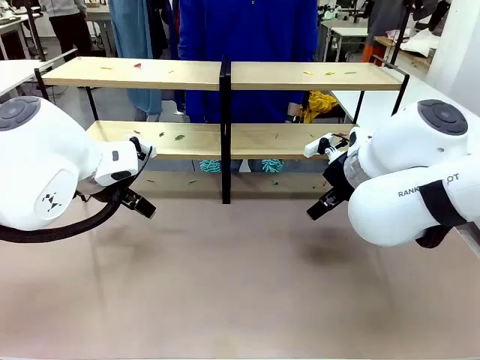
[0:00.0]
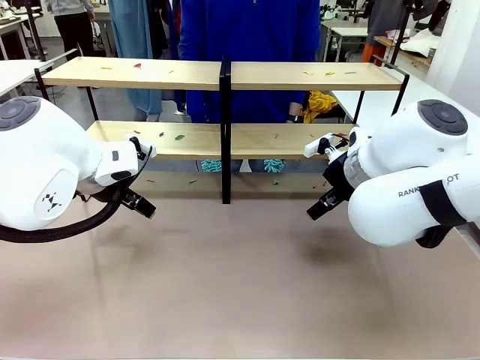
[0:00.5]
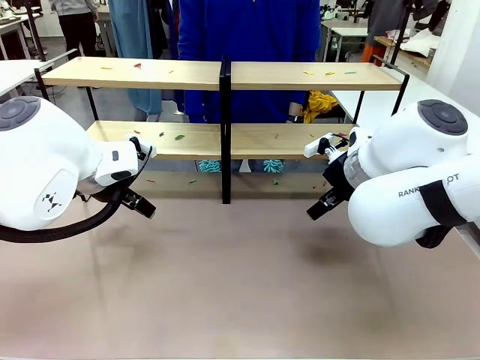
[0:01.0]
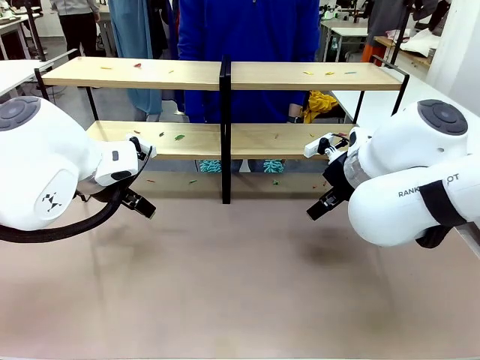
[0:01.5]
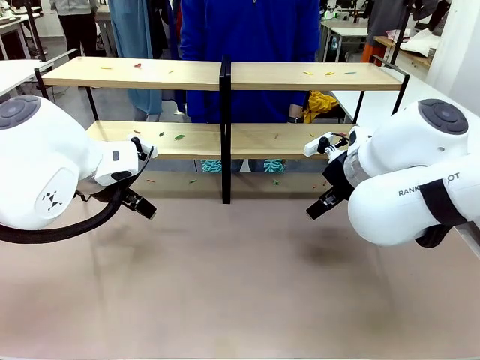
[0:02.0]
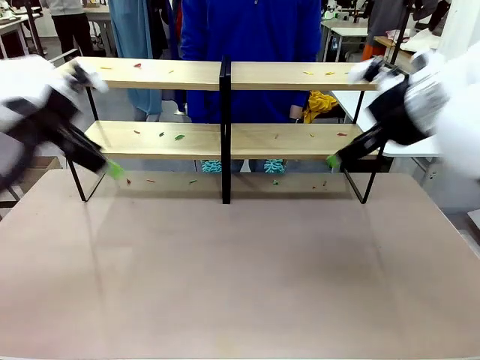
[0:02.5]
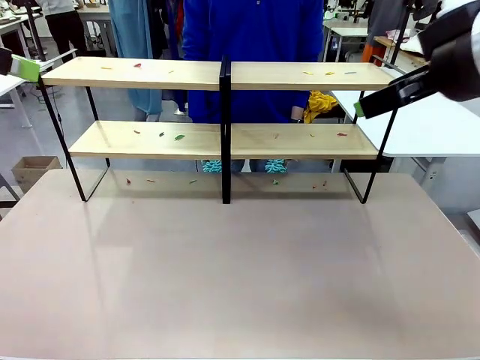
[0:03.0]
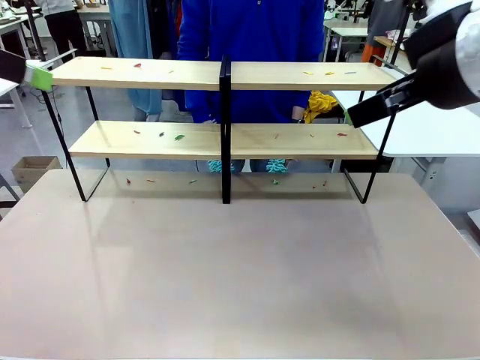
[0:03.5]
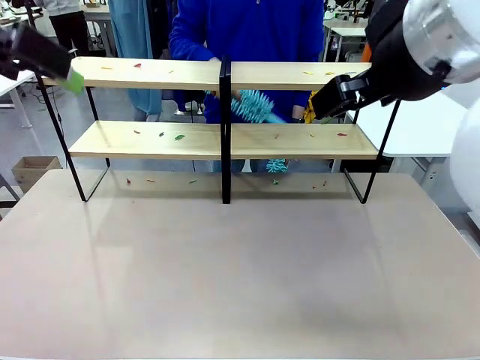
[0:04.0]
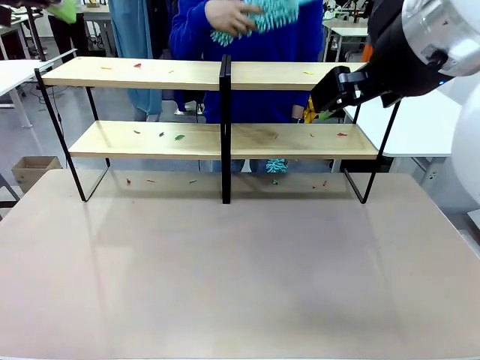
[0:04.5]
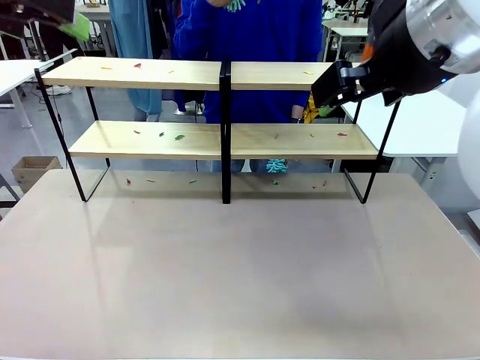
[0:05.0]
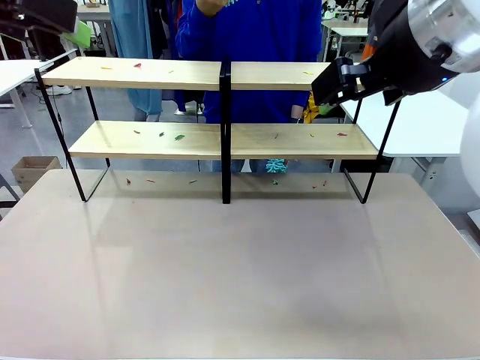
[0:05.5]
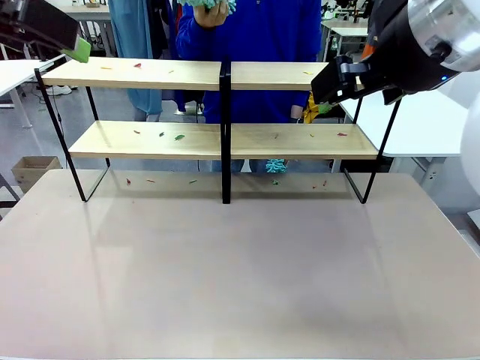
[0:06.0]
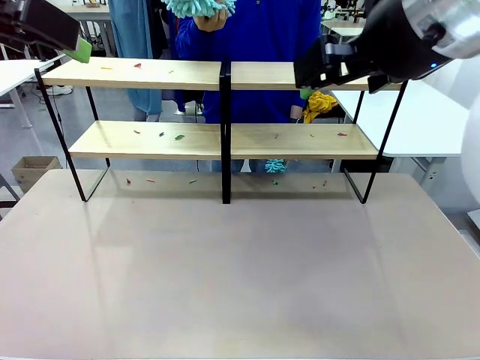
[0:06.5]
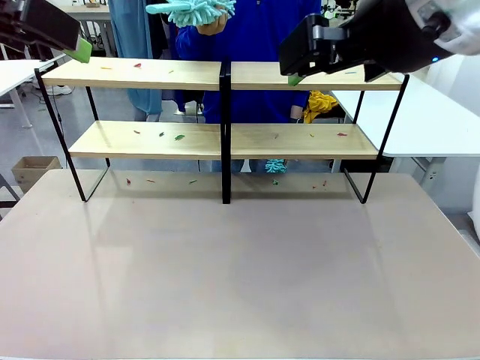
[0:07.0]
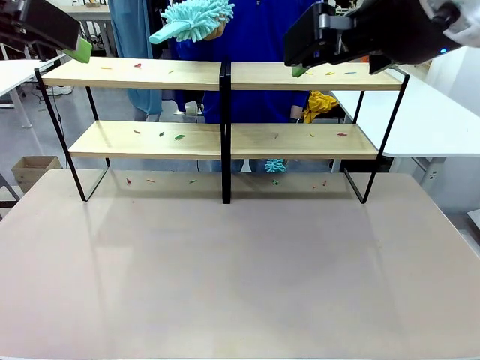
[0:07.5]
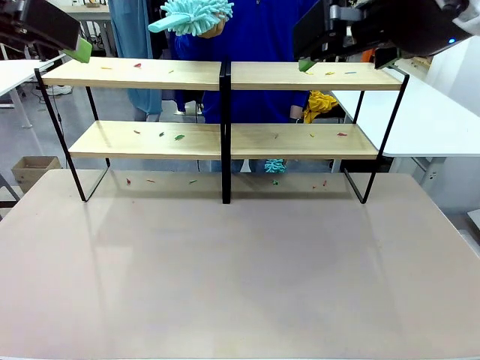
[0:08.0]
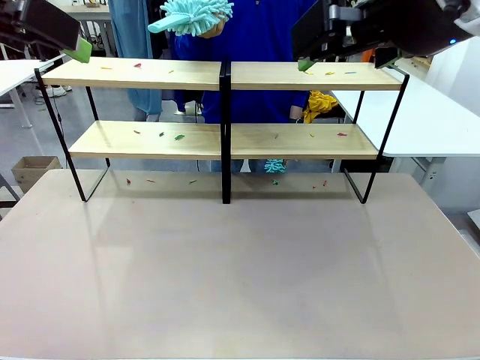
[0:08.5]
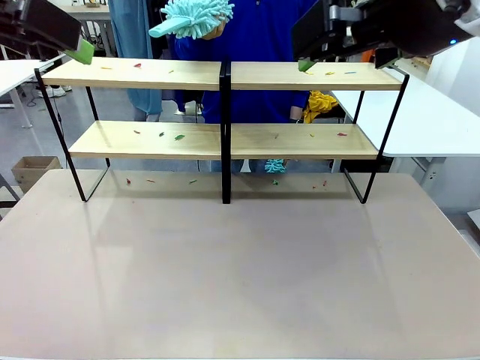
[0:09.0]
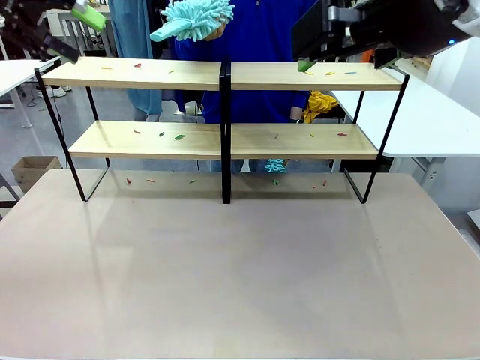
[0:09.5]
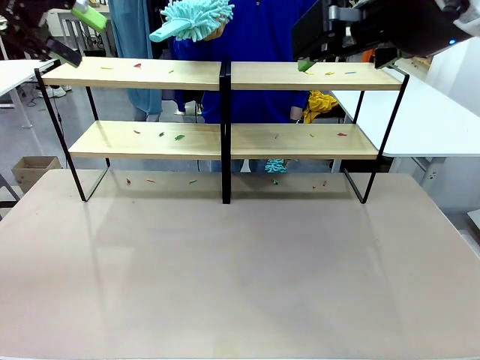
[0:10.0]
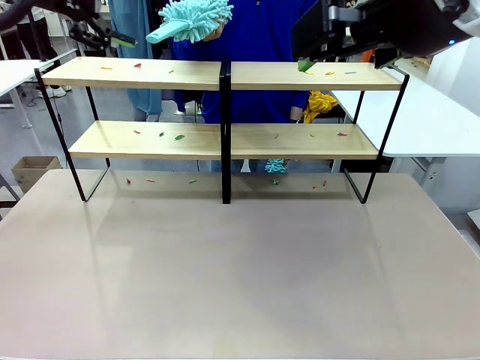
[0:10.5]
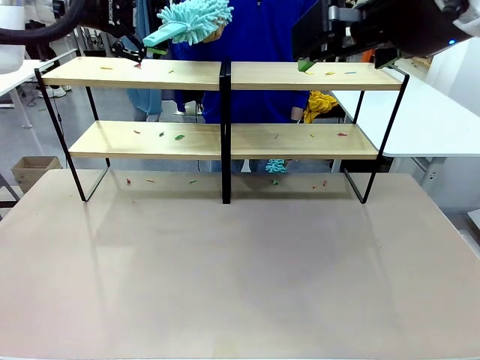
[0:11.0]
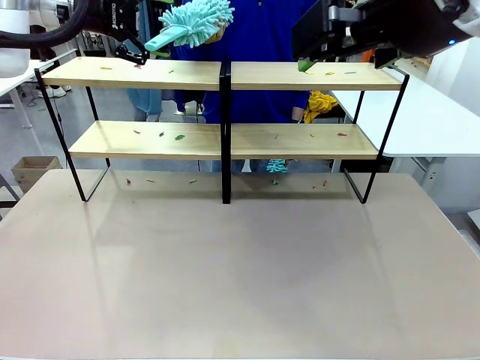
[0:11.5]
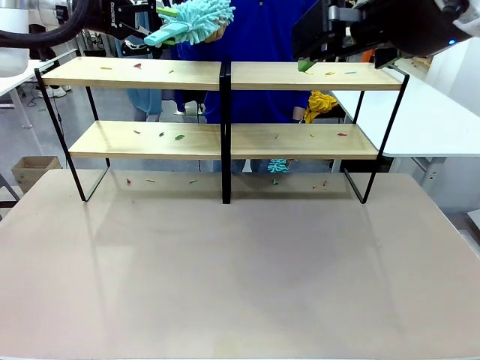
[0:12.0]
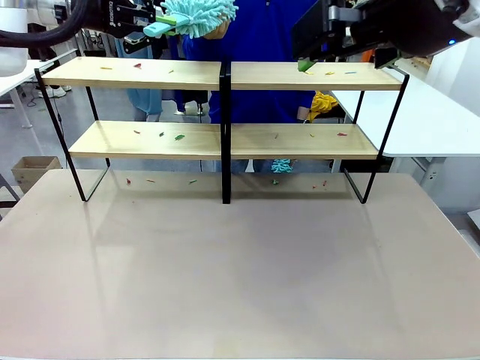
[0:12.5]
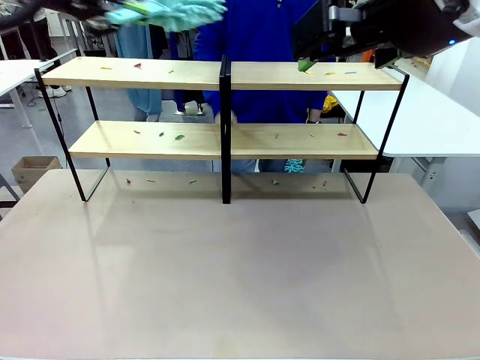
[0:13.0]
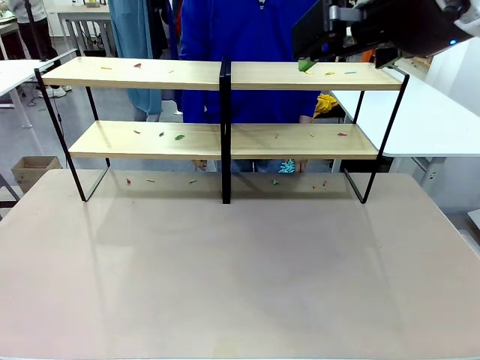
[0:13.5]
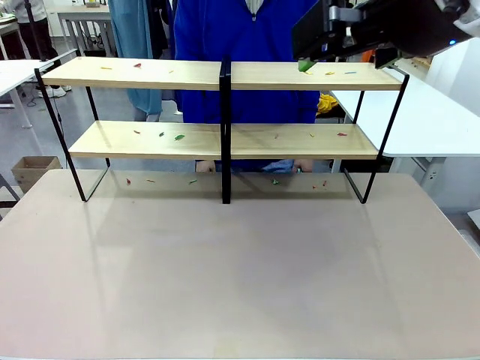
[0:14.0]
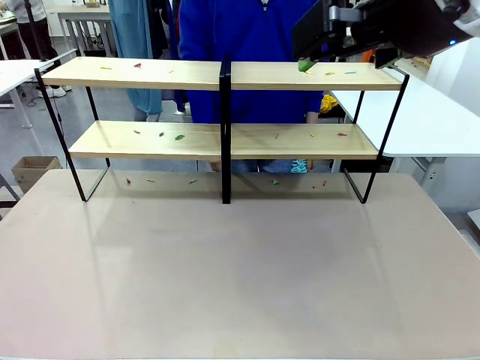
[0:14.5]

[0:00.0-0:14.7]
Task: Clean the shelves.
Robot: Pick up the Duster when the human hands it over.
Person: Hand the Duster to the robot with your right (or left) hand.

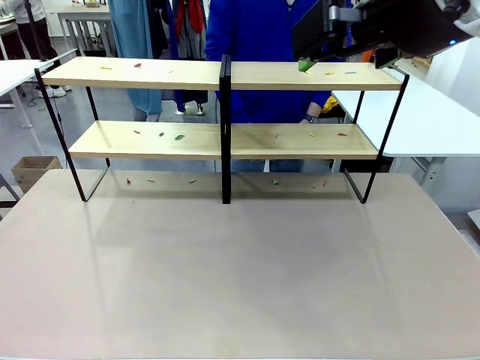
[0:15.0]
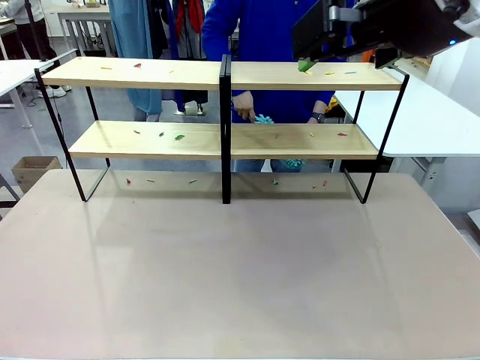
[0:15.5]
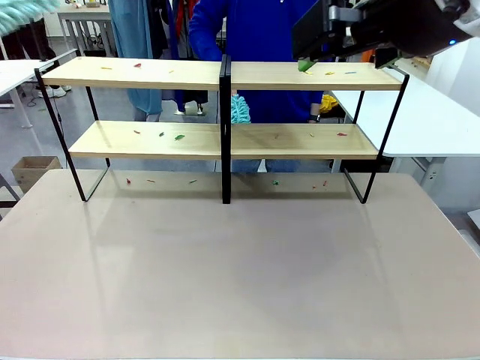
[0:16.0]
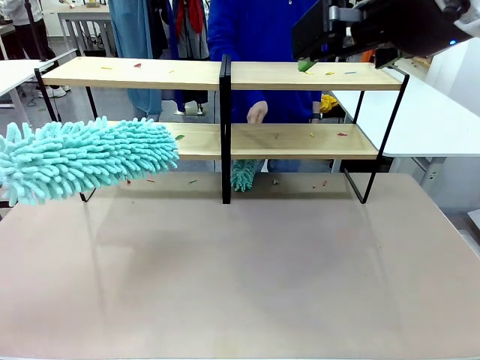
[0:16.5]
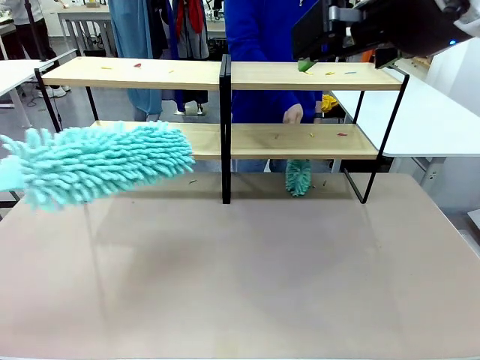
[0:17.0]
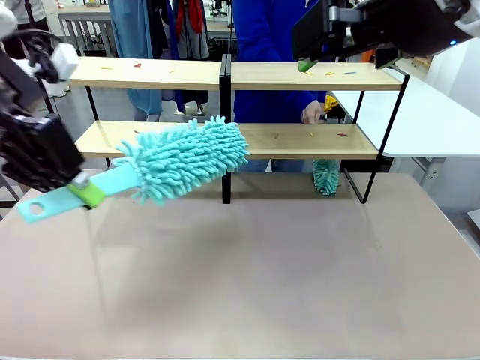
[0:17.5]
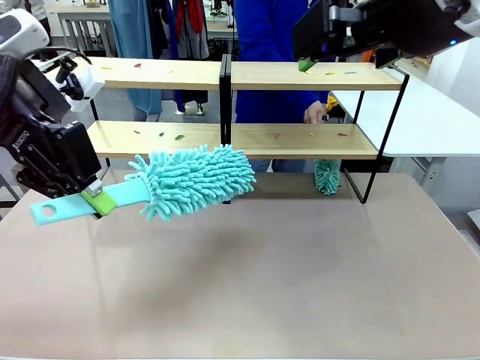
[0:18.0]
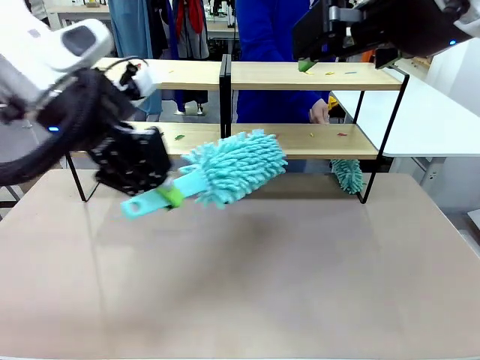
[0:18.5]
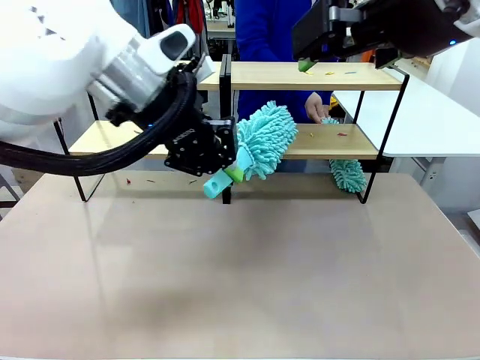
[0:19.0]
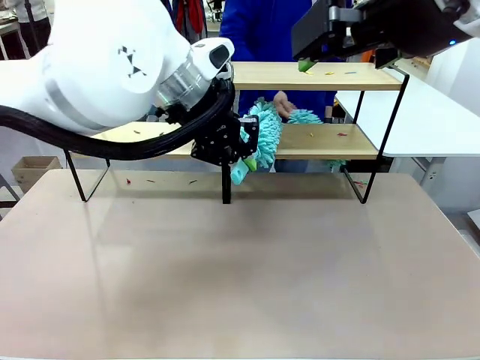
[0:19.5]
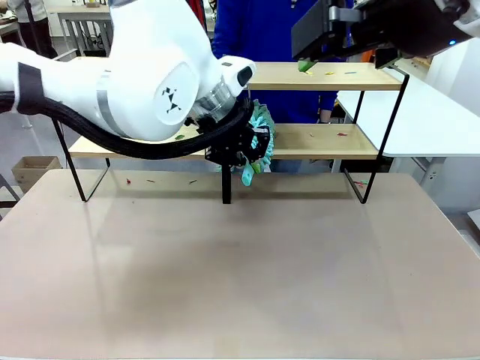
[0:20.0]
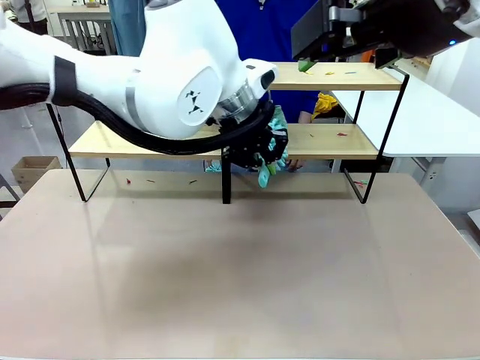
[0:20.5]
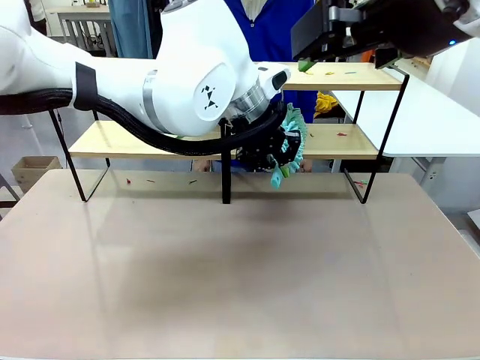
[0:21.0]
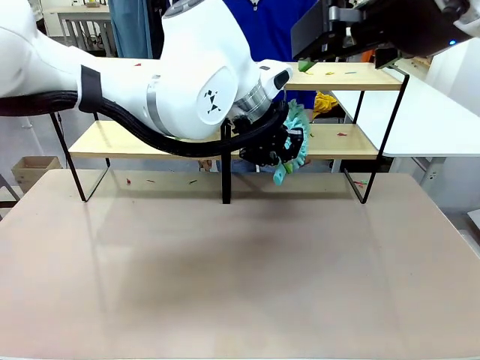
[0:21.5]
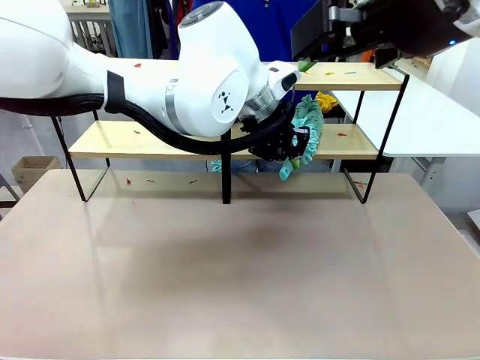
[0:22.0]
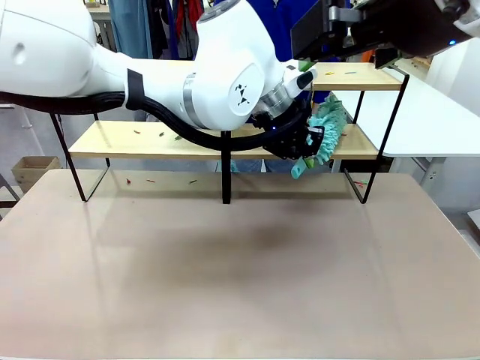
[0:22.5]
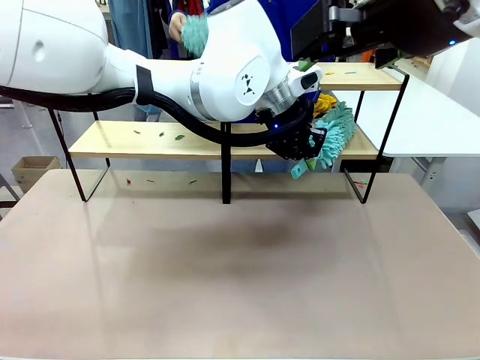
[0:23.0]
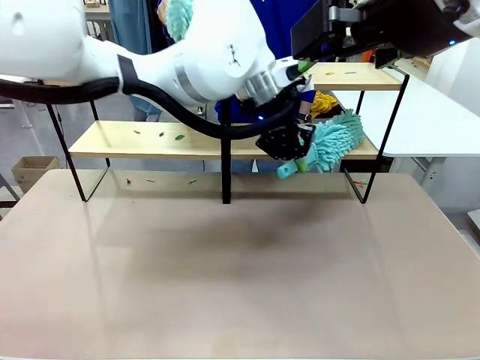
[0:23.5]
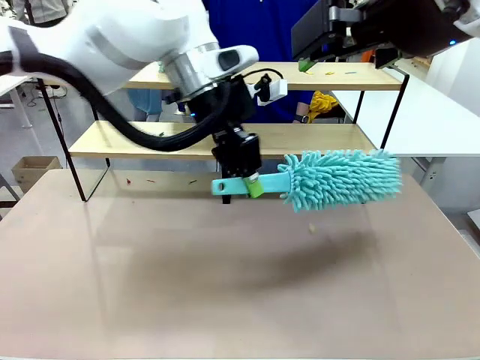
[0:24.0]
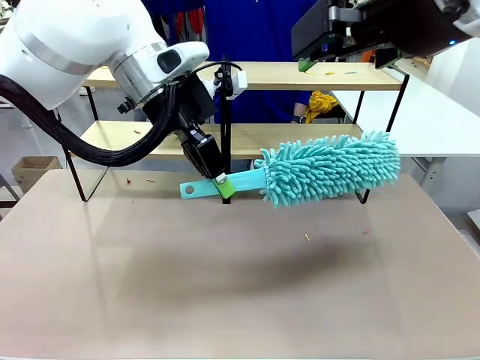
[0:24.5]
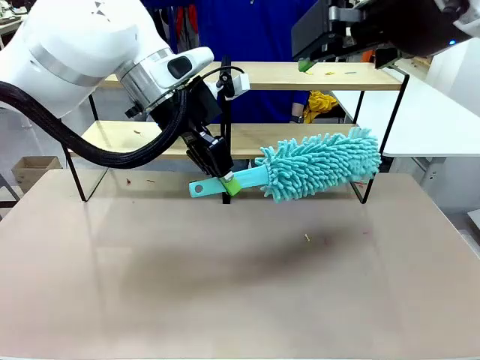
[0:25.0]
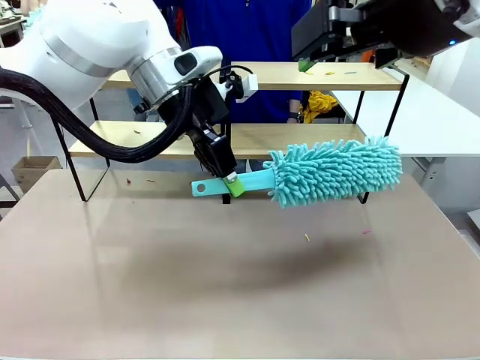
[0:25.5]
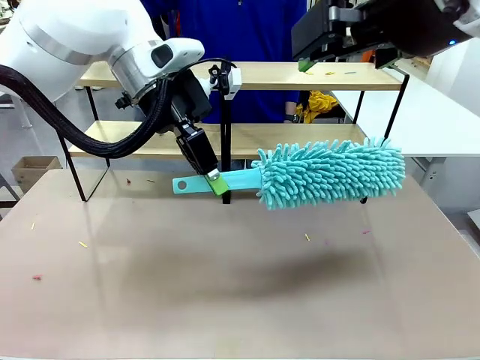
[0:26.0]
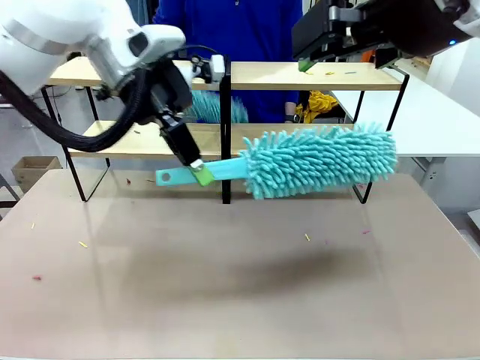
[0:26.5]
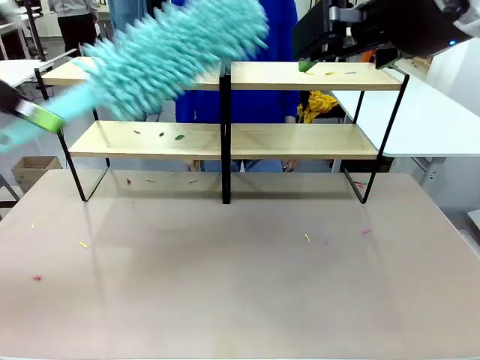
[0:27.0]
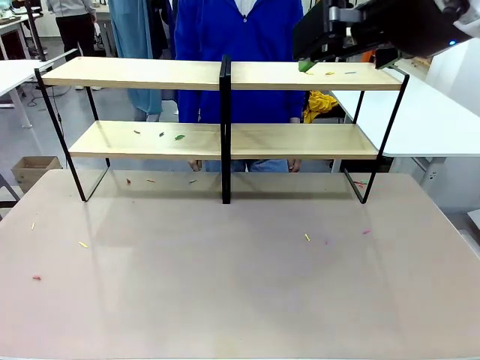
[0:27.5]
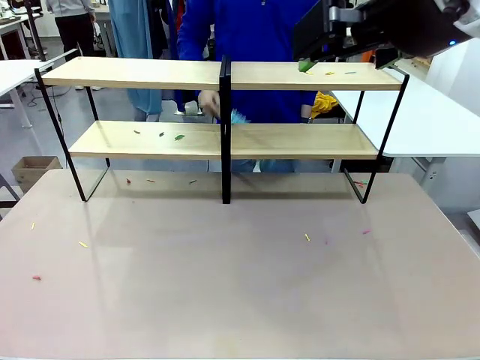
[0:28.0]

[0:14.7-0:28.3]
Robot: Clean a randomly selected level of the Shelf with the Duster.
